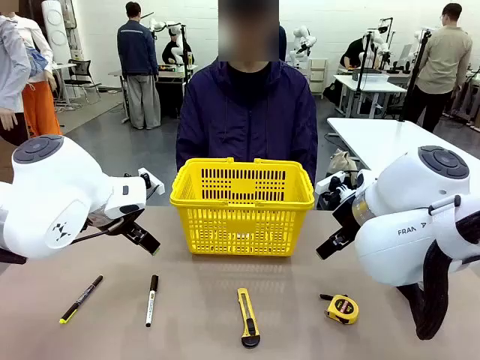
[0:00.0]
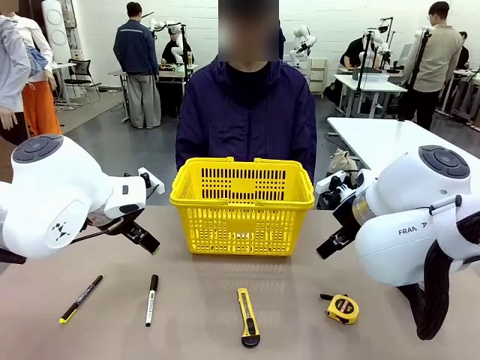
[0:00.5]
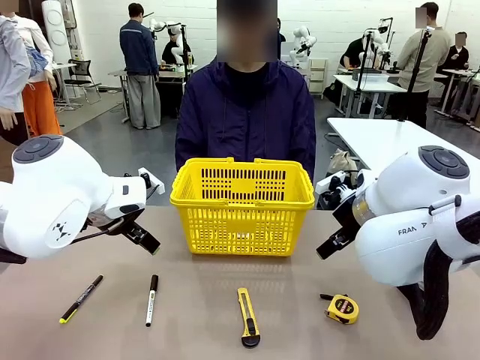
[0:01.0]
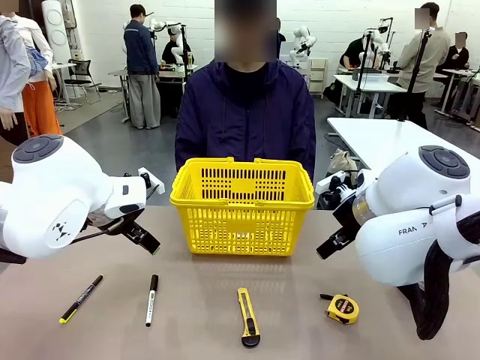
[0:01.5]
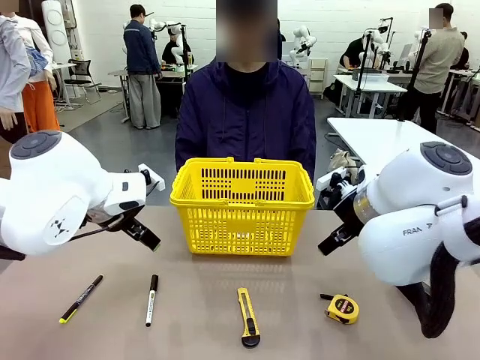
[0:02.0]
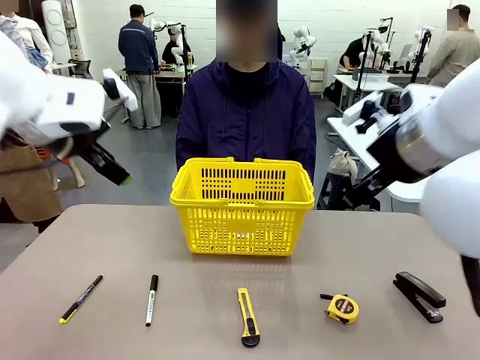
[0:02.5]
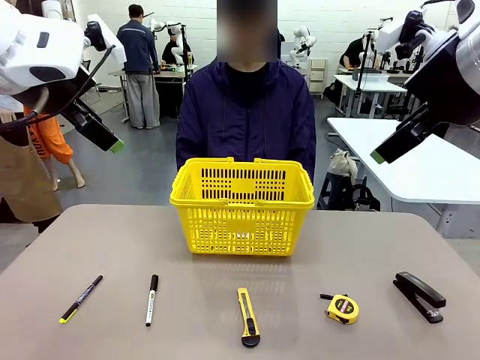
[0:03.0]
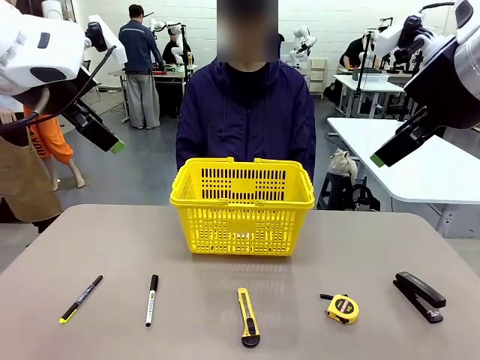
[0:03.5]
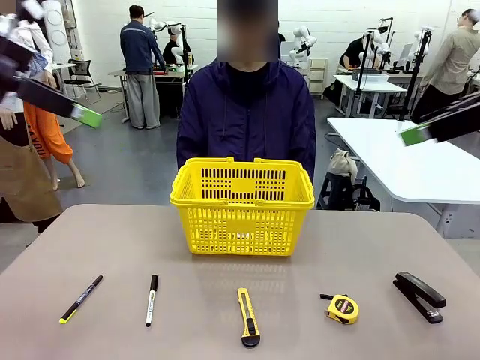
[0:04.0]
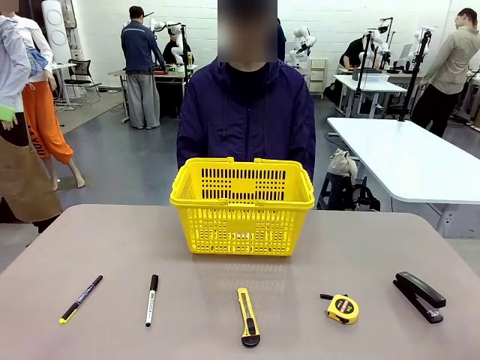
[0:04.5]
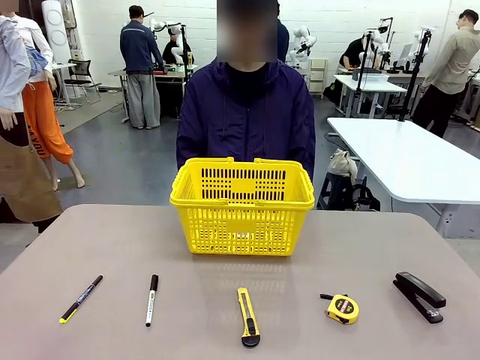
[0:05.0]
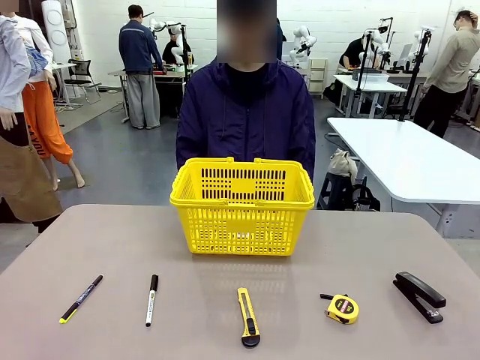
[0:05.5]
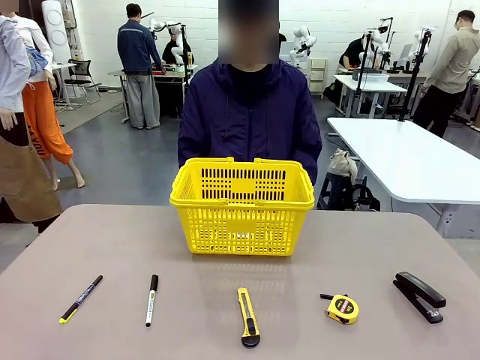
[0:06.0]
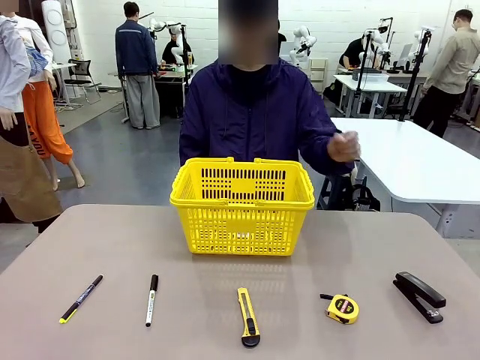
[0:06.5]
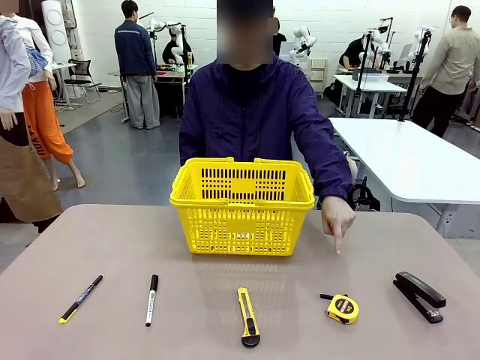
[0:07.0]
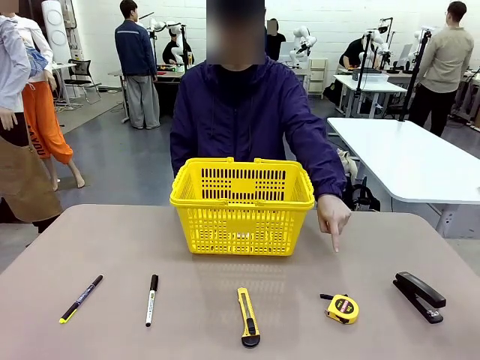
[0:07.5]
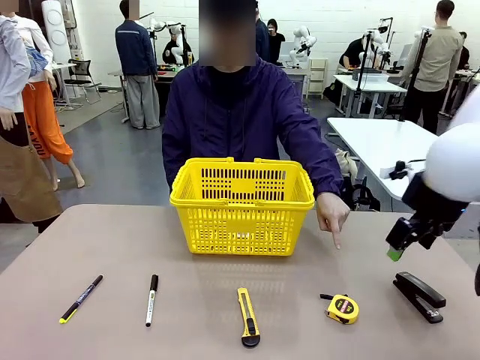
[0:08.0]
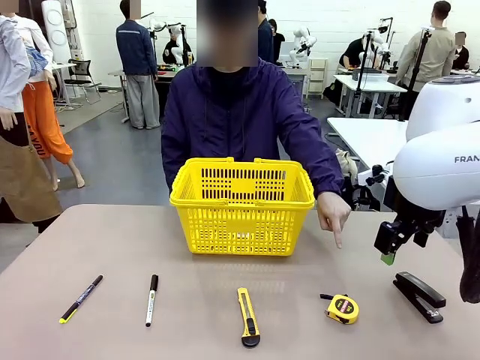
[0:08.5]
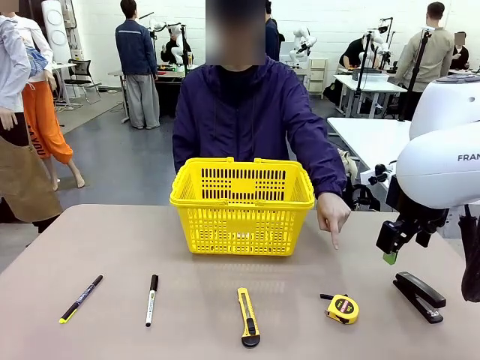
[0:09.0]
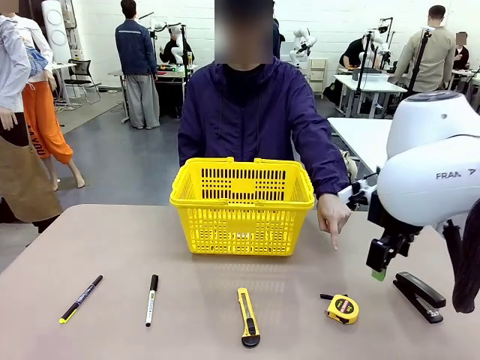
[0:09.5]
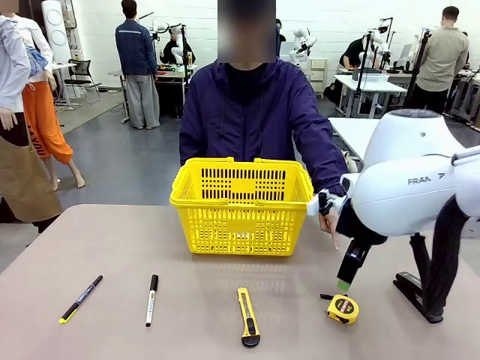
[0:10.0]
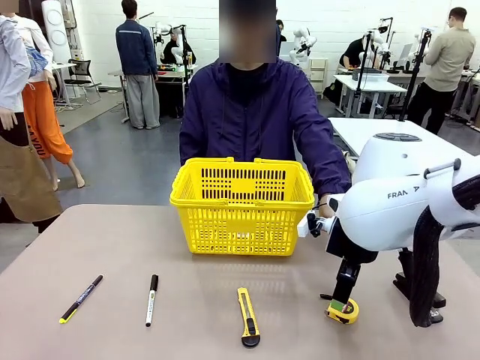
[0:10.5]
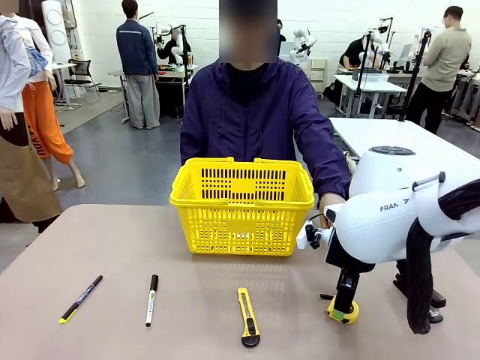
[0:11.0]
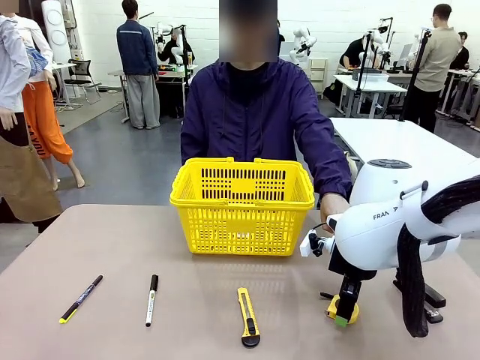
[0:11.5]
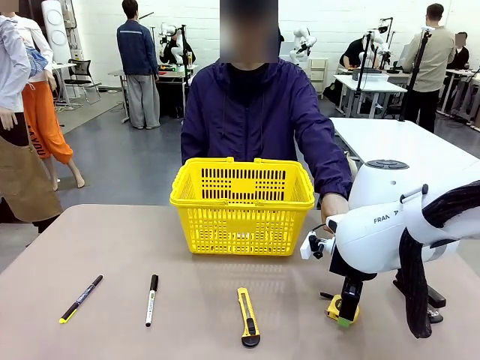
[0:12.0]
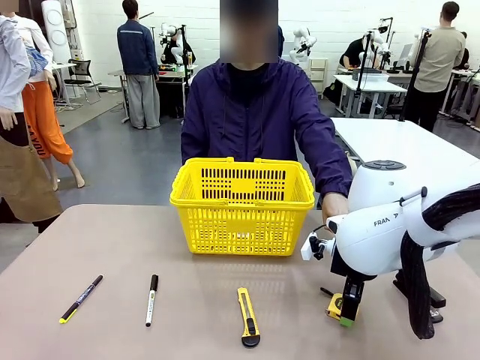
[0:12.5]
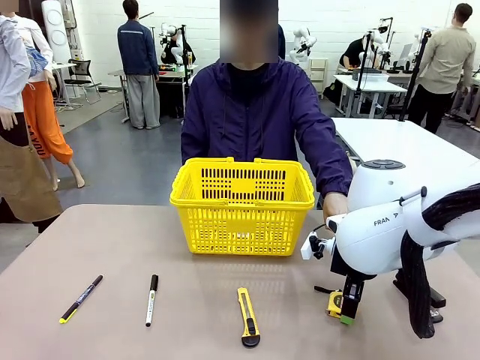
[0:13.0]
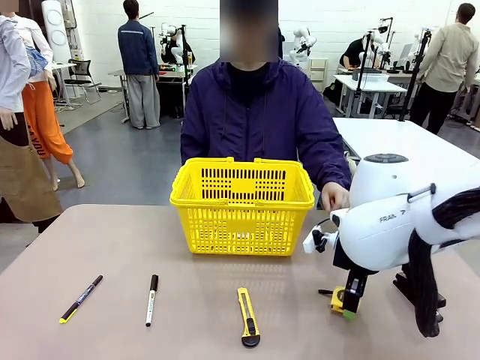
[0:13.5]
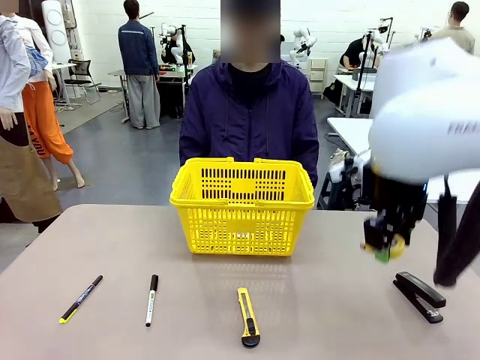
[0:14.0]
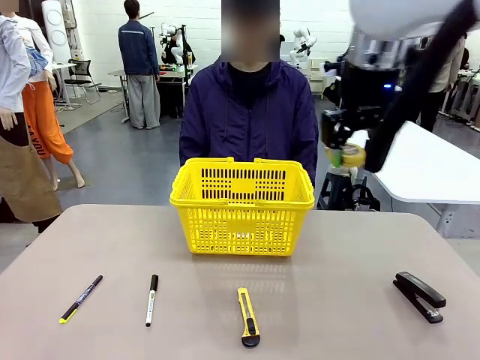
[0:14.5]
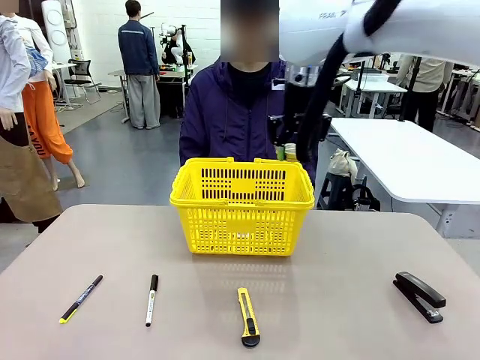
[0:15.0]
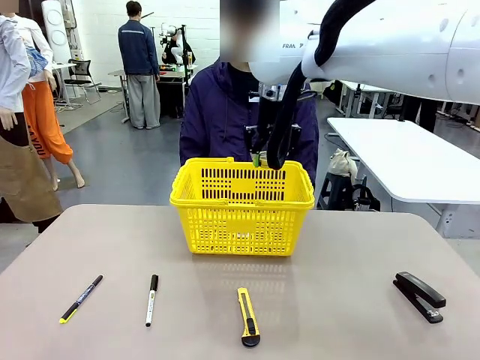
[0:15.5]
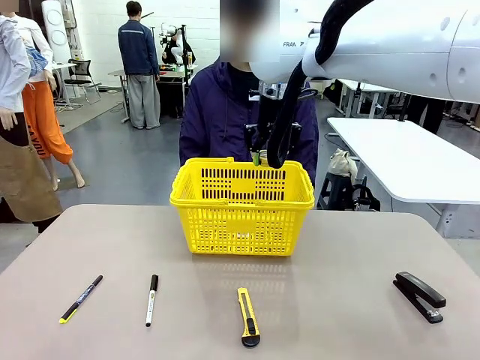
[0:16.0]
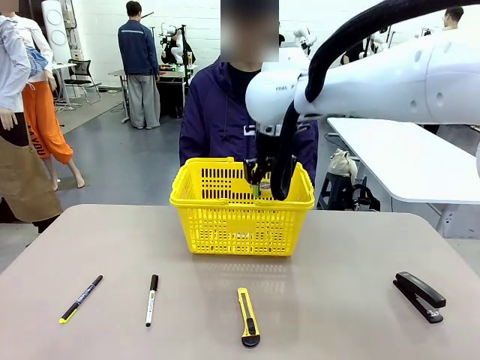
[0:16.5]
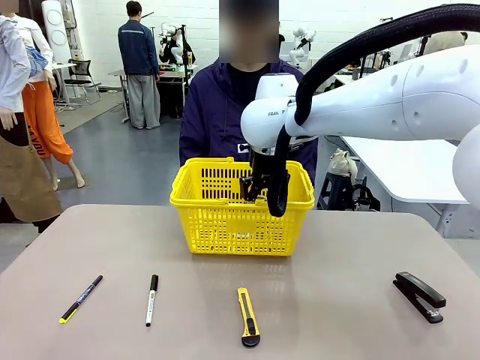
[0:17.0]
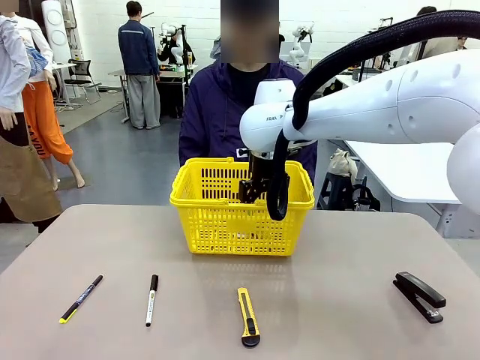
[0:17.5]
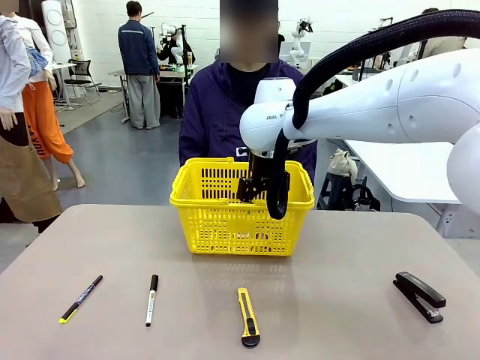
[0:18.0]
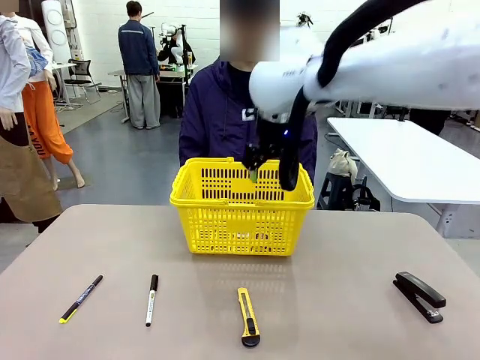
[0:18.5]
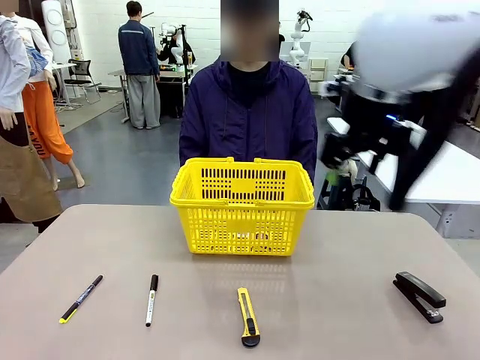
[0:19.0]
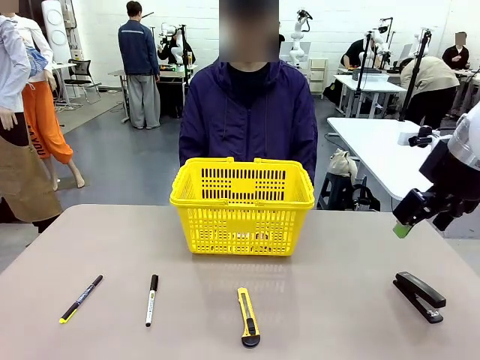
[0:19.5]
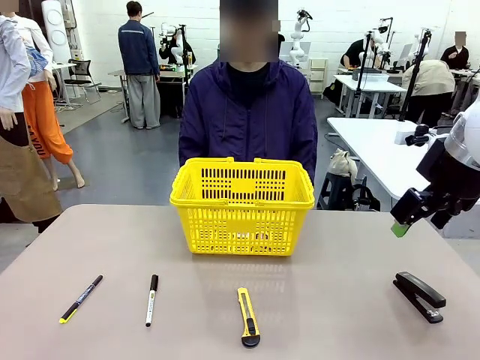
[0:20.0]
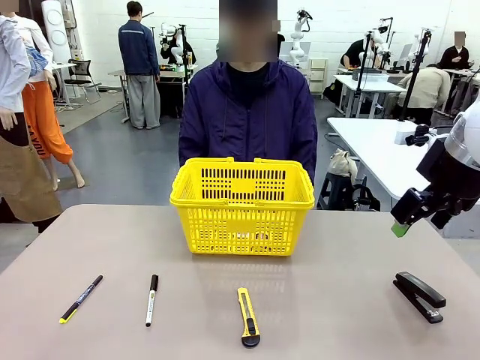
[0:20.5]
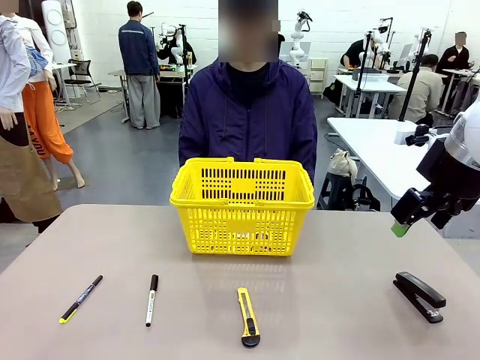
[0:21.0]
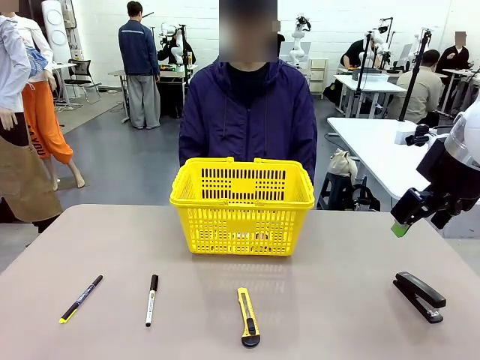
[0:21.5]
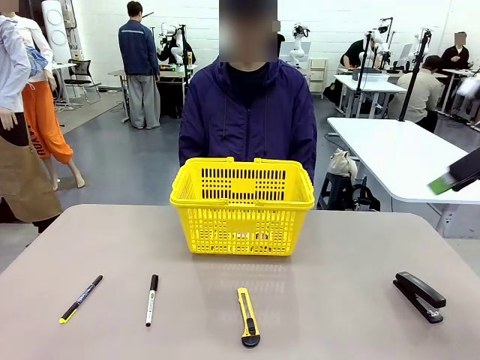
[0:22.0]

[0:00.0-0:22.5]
Task: Place the items the person wants into the basket.
Robot: Pick up the item the person points to and place it in the Market Basket.
